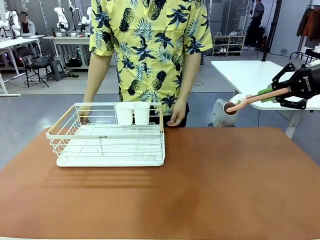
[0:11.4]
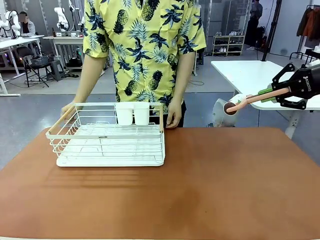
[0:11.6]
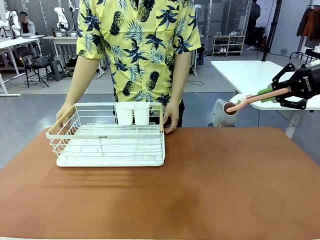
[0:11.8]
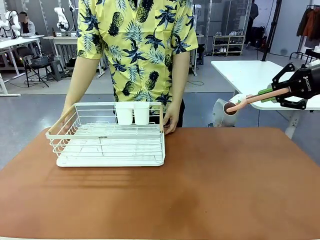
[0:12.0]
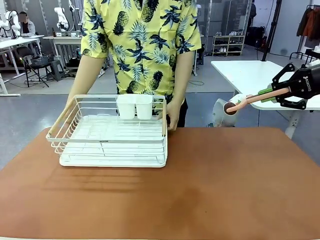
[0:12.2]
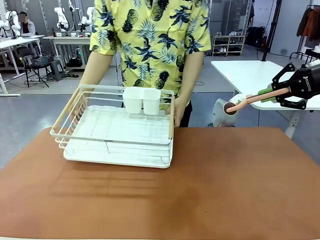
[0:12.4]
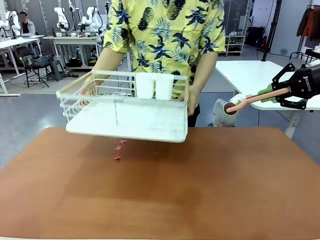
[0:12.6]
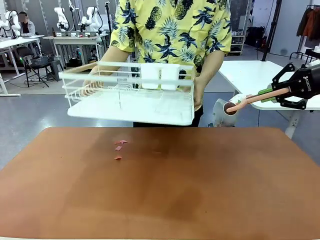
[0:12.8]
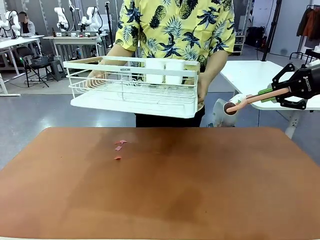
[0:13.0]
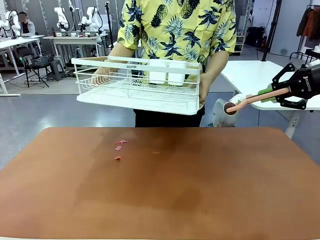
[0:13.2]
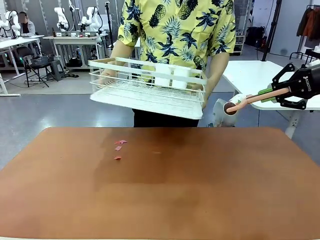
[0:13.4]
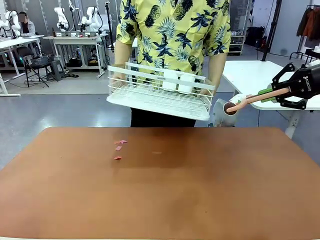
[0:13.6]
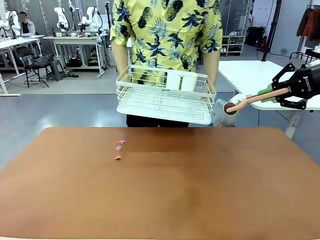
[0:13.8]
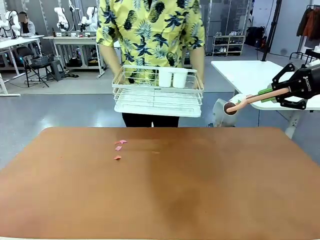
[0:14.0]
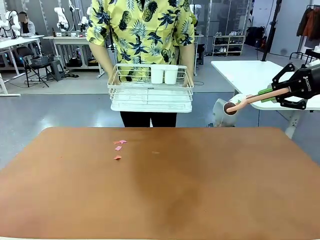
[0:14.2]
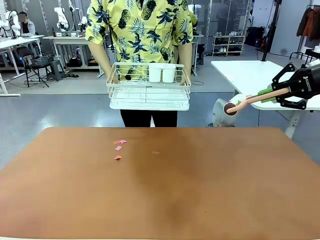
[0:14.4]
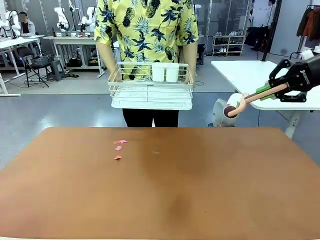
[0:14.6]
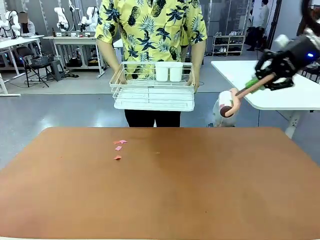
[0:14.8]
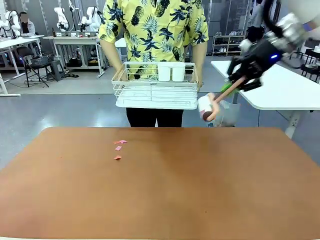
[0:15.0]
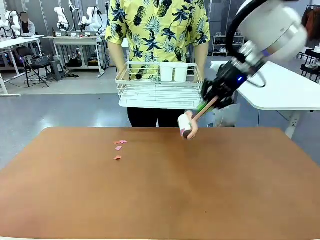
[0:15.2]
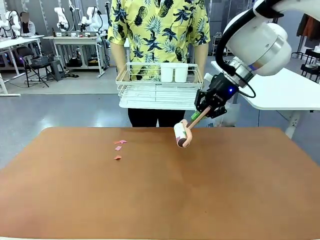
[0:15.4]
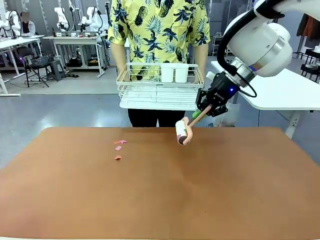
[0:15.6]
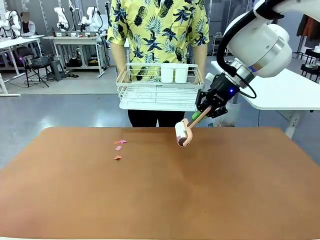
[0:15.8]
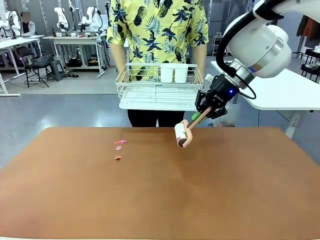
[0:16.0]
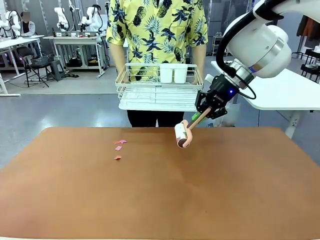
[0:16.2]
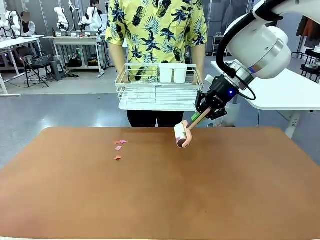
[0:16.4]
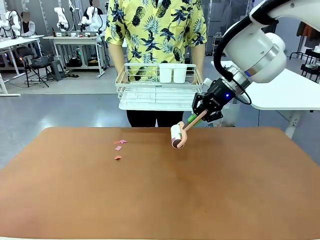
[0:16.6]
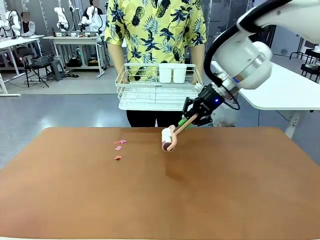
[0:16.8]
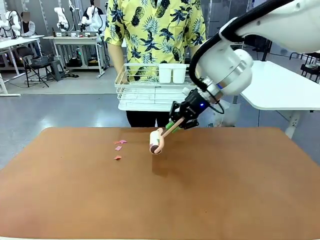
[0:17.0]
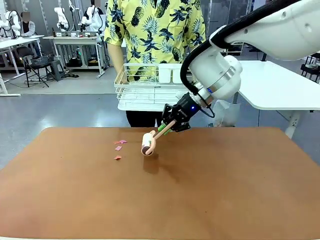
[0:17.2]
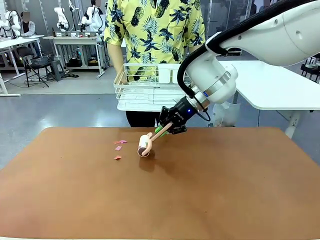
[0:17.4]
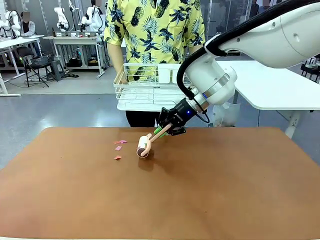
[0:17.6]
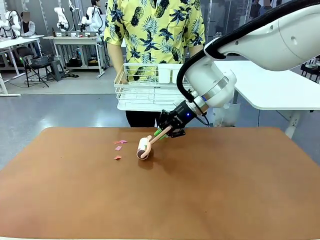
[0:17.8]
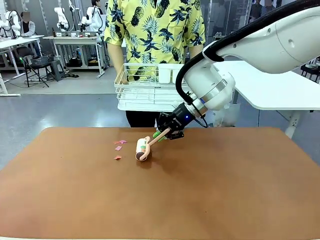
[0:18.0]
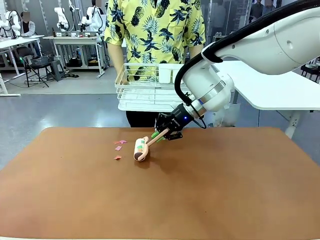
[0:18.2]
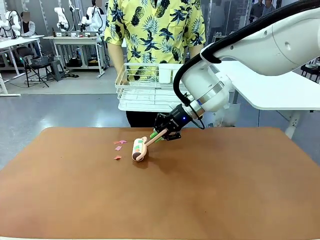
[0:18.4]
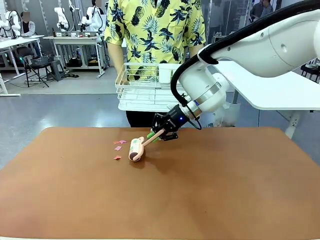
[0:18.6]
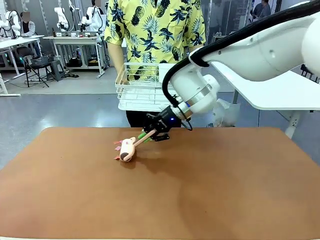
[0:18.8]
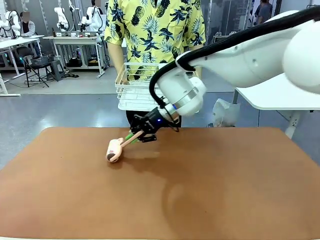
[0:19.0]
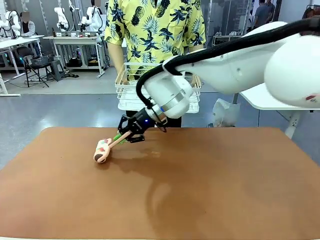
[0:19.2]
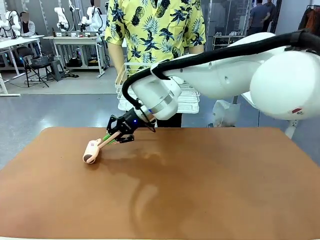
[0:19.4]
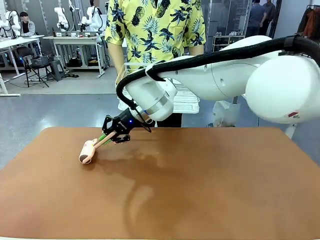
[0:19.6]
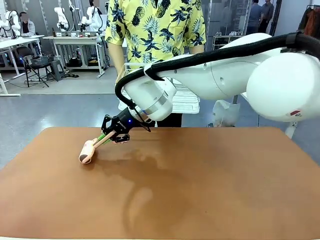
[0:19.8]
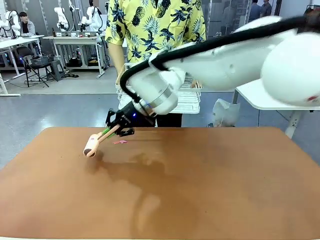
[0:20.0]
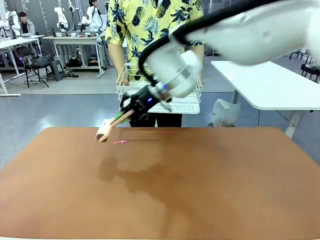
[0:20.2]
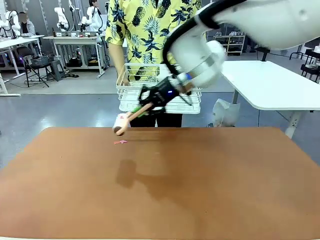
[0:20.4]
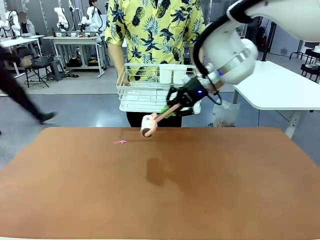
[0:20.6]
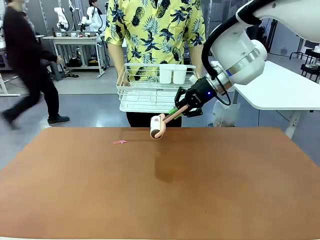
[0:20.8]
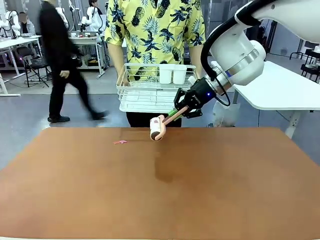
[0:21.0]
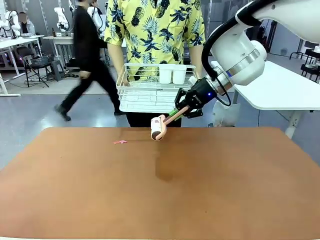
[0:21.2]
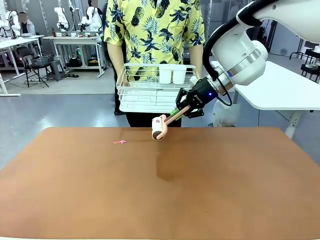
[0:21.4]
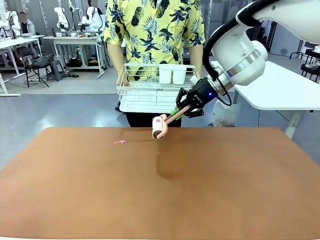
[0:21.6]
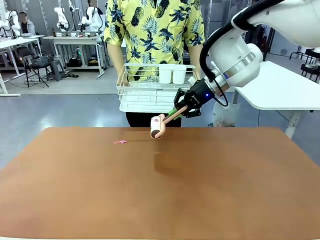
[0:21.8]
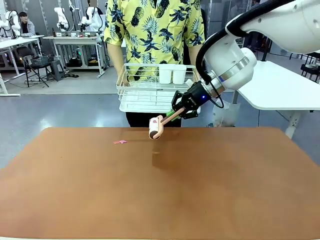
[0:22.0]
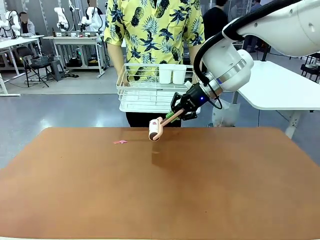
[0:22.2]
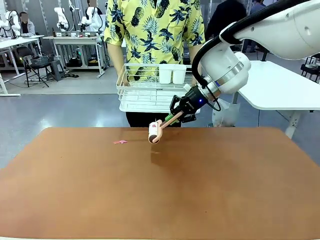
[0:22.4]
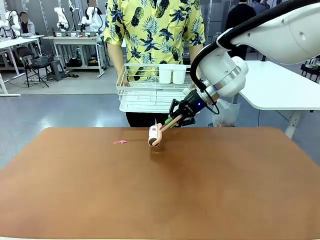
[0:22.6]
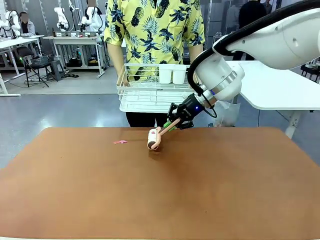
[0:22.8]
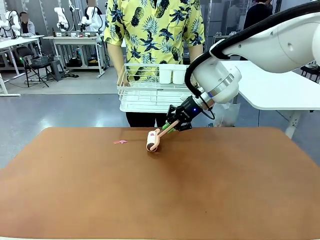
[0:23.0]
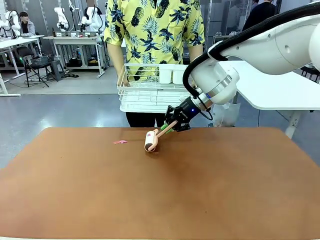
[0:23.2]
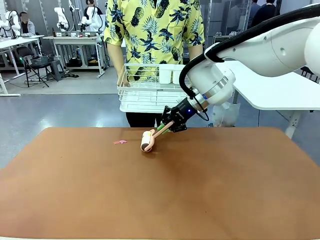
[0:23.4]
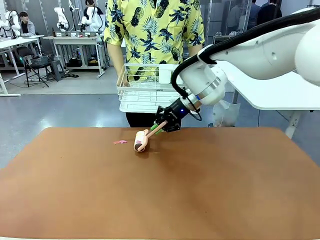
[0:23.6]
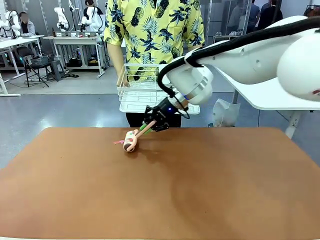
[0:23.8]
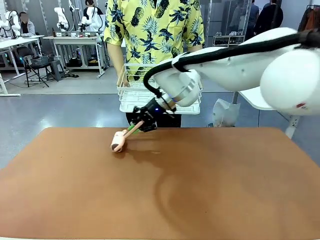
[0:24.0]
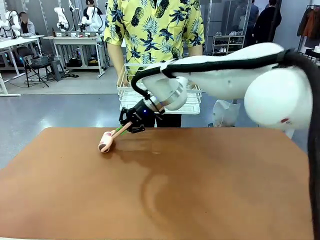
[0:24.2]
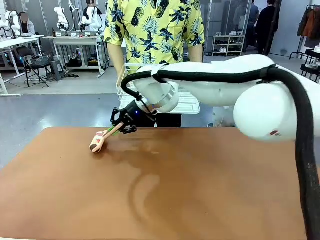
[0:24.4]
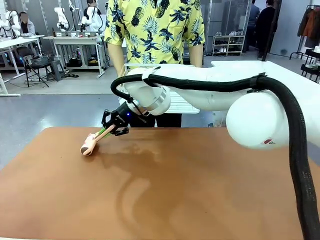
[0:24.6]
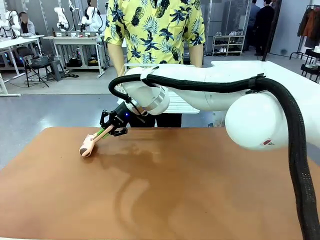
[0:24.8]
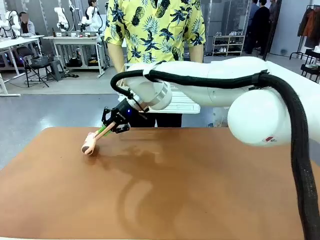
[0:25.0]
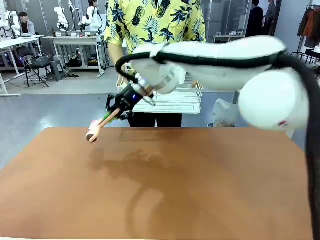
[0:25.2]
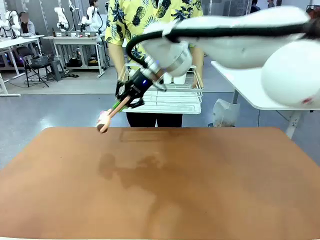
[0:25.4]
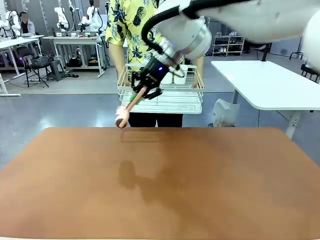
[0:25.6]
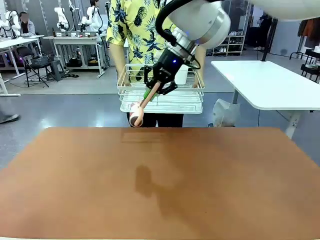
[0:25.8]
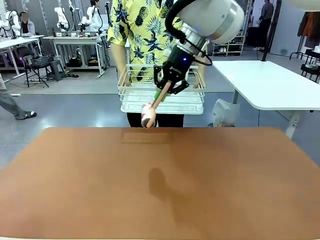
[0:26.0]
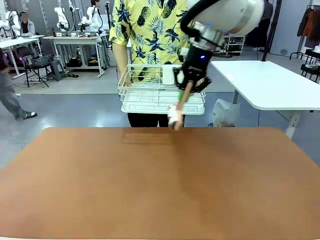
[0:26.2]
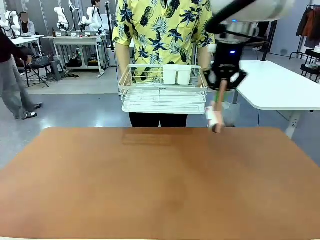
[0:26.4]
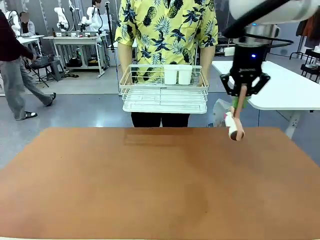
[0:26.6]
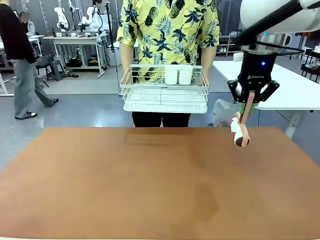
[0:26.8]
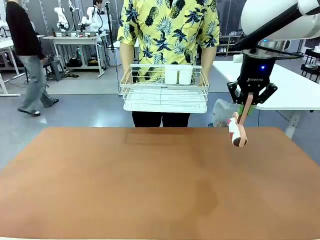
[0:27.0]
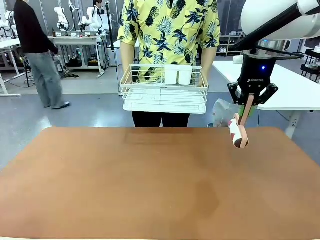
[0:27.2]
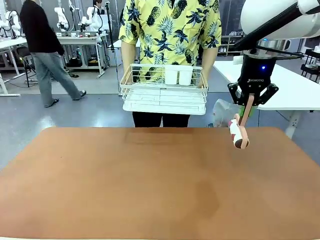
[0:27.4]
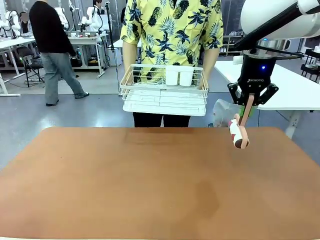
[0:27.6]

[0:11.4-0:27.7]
Task: Clean the table.
Robot: Clean the table with the Lint Roller when the human lifts the Dish drying rack.
Person: Place the Dish drying rack down when the robot finishes cleaning.

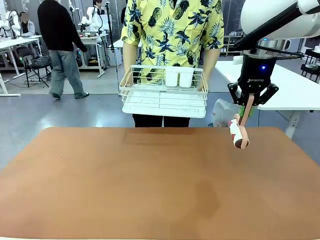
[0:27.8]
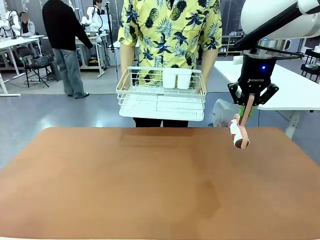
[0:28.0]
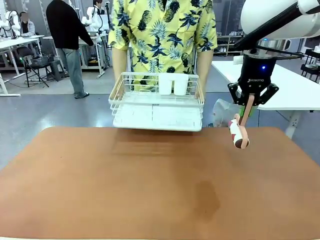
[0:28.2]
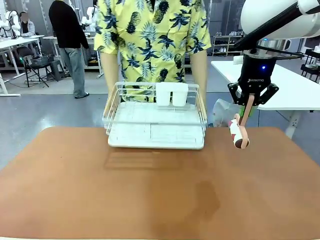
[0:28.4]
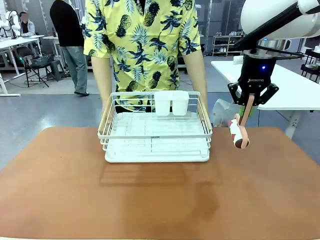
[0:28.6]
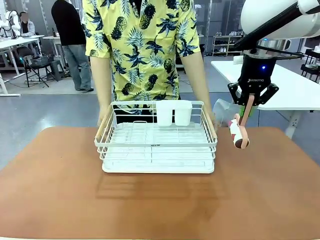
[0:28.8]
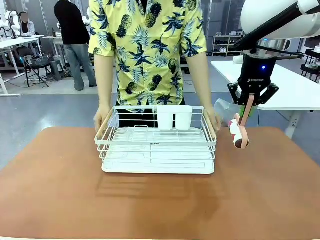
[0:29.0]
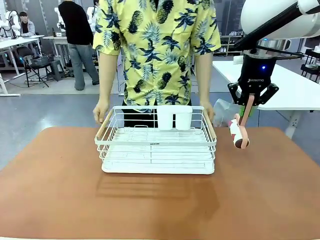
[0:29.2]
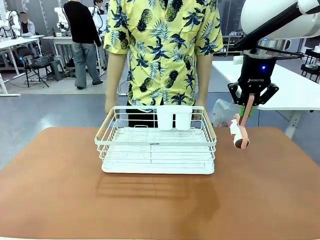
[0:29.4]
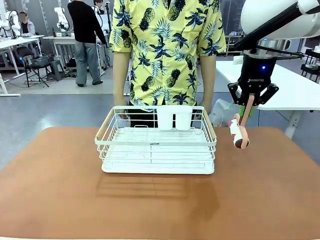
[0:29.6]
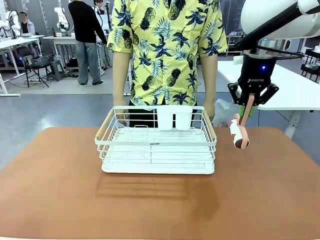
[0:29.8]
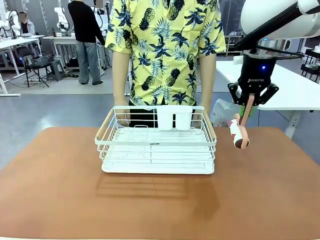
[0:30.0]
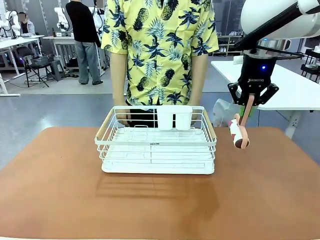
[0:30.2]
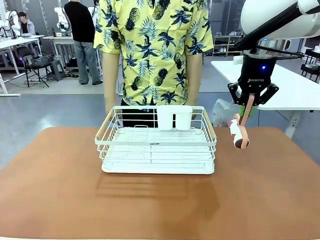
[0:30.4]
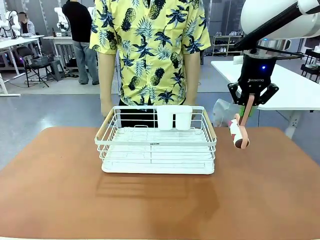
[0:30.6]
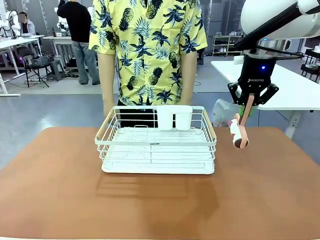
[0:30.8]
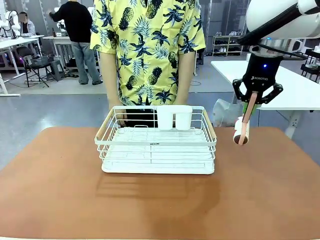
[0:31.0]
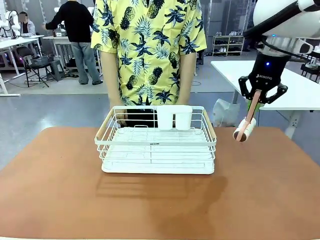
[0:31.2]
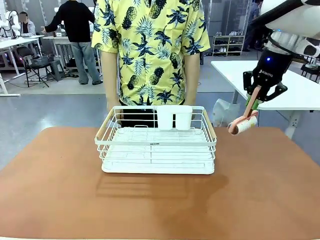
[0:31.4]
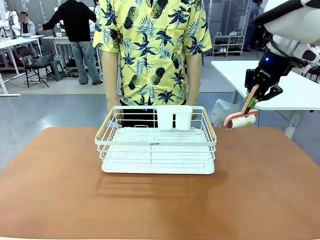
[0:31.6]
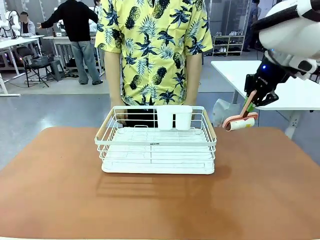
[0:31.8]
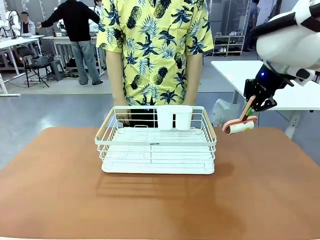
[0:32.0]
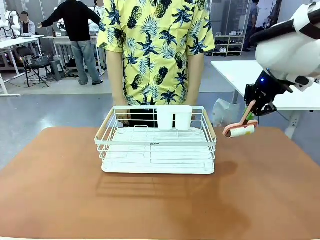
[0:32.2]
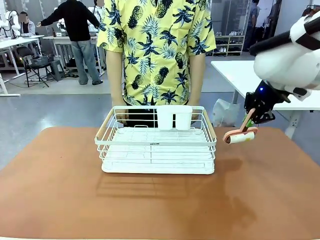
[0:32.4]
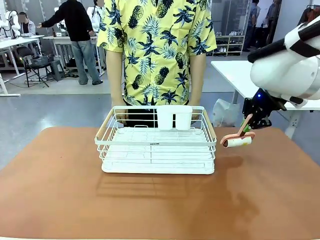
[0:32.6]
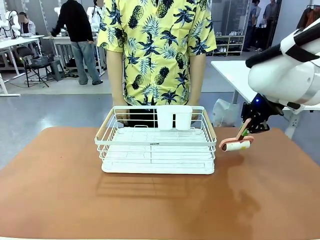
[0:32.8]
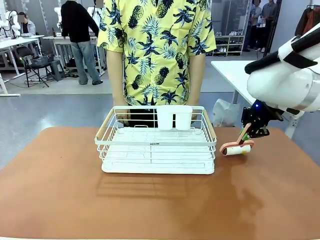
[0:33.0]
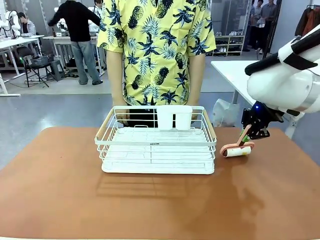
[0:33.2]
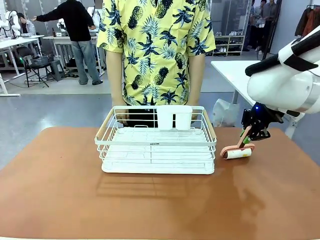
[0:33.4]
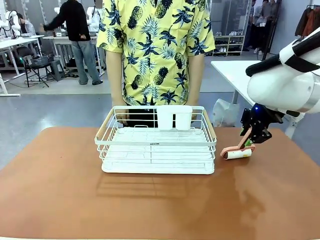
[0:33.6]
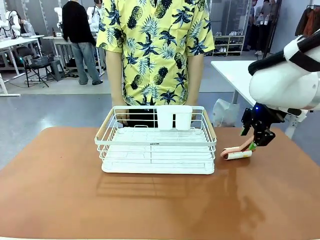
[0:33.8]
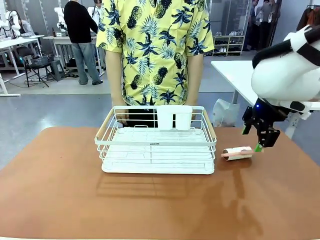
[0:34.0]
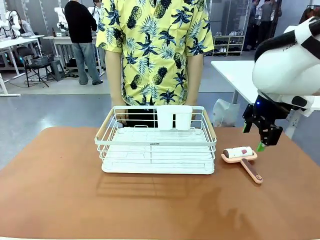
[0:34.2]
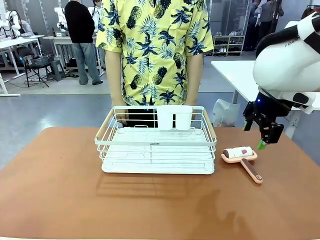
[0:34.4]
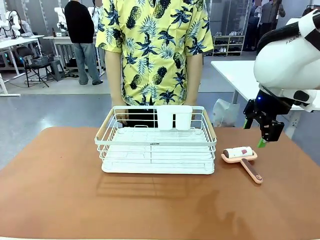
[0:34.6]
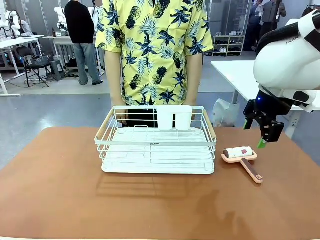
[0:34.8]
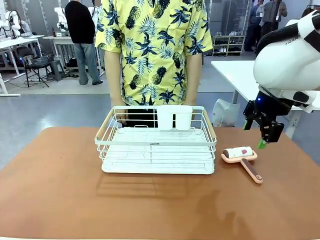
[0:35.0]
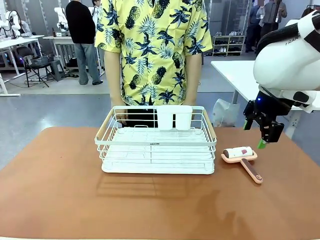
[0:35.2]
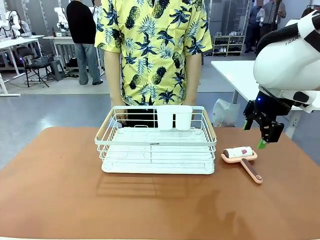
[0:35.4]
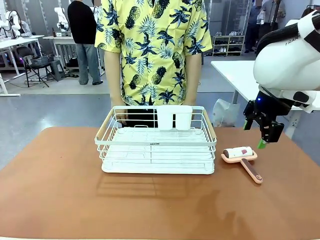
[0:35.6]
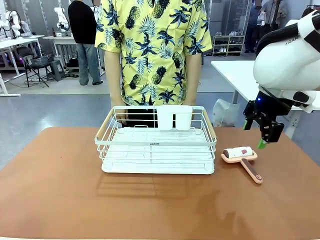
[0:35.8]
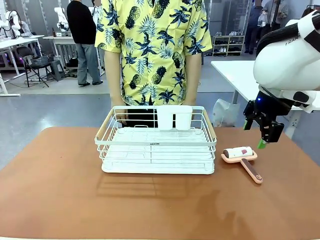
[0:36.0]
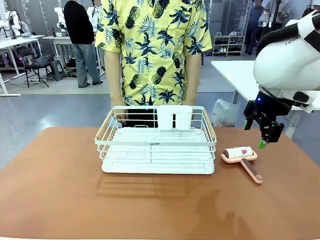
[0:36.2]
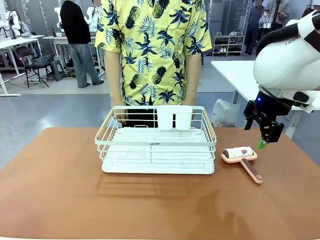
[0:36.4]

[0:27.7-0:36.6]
Robot: Place the Lint Roller down when the Dish drying rack is positioned in the middle of the table.
